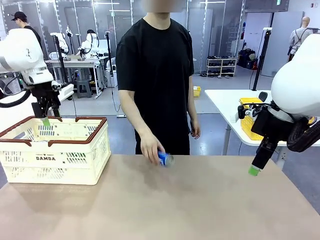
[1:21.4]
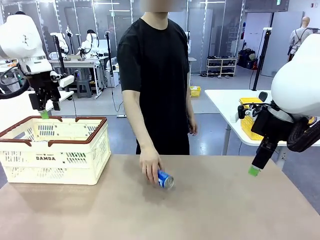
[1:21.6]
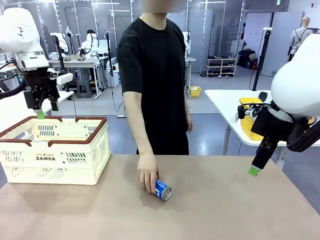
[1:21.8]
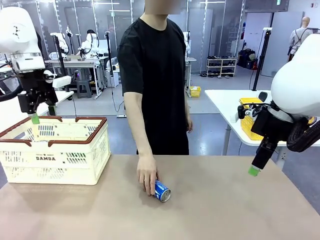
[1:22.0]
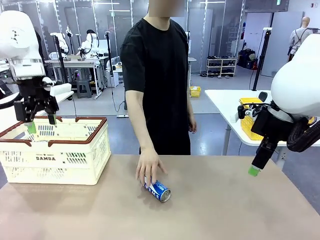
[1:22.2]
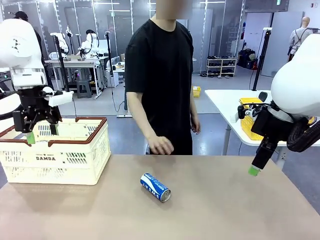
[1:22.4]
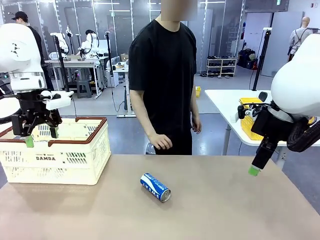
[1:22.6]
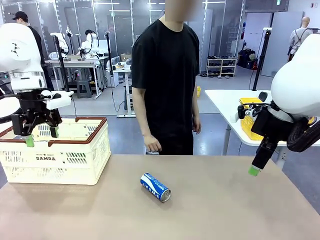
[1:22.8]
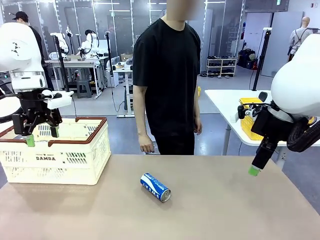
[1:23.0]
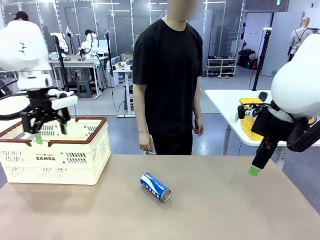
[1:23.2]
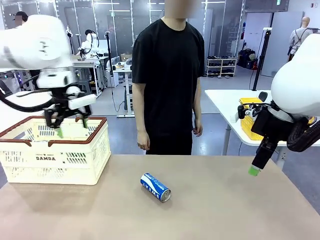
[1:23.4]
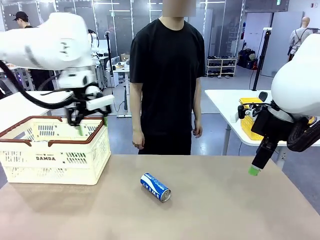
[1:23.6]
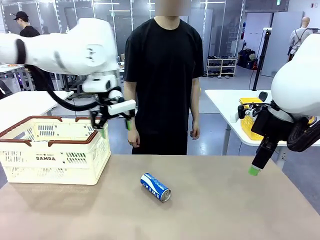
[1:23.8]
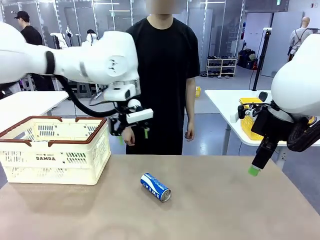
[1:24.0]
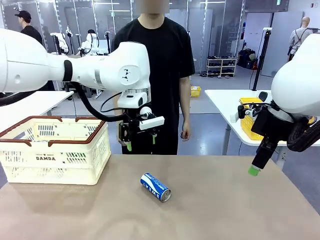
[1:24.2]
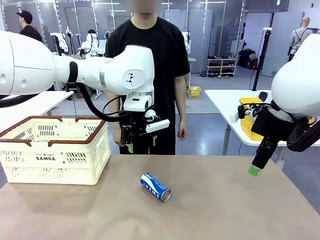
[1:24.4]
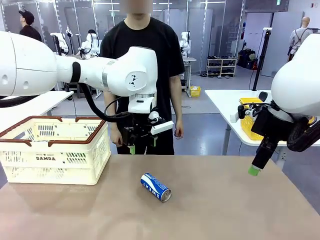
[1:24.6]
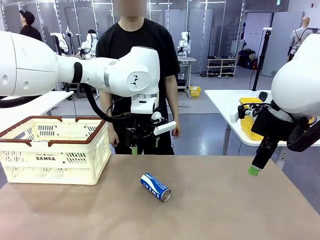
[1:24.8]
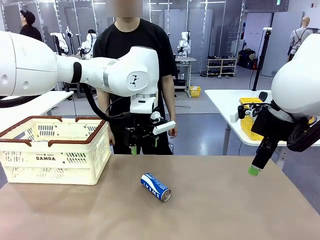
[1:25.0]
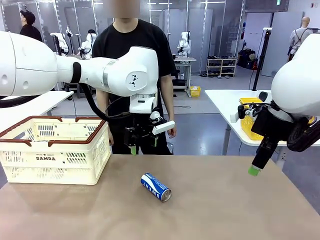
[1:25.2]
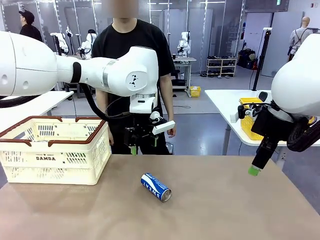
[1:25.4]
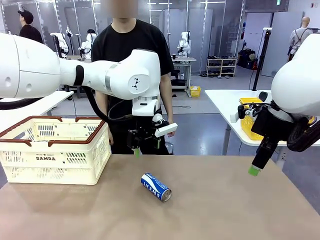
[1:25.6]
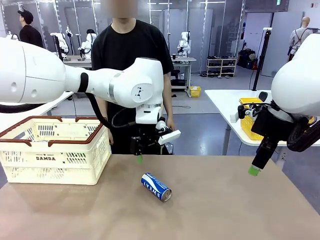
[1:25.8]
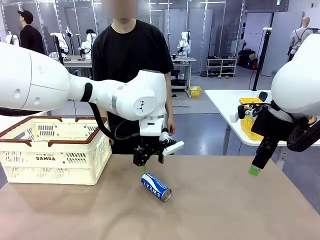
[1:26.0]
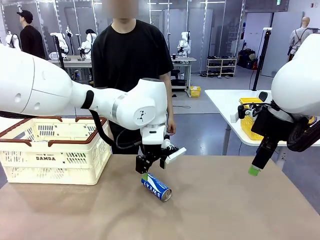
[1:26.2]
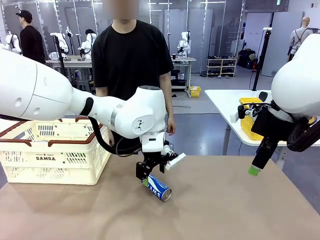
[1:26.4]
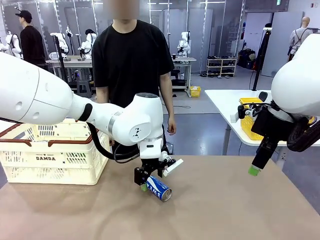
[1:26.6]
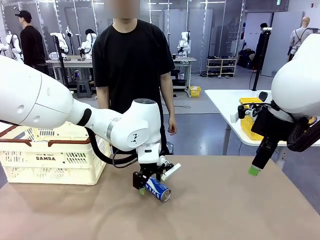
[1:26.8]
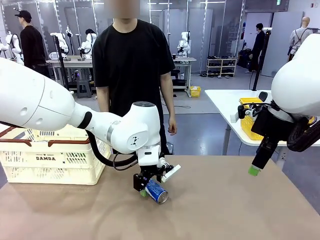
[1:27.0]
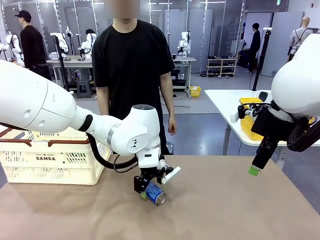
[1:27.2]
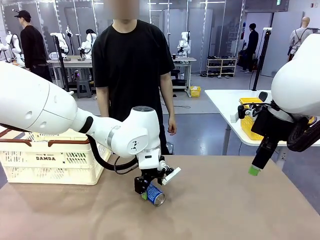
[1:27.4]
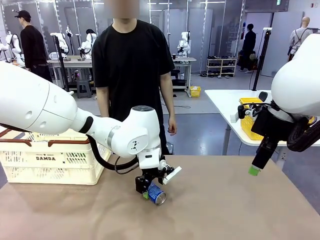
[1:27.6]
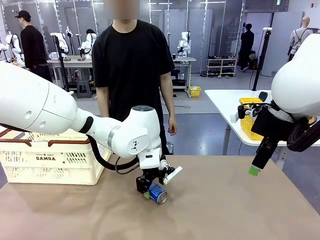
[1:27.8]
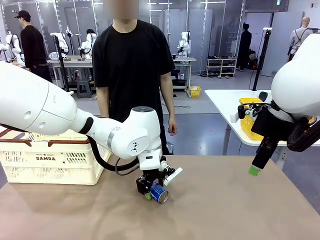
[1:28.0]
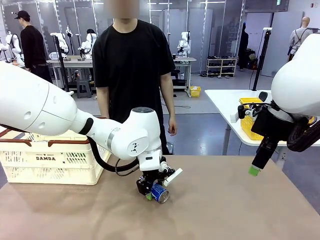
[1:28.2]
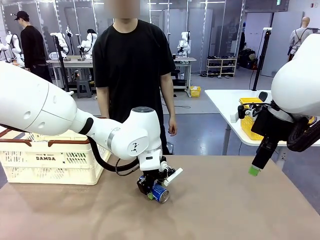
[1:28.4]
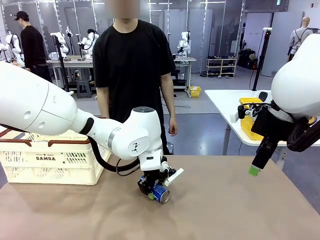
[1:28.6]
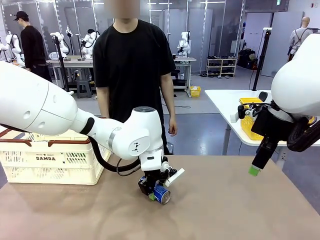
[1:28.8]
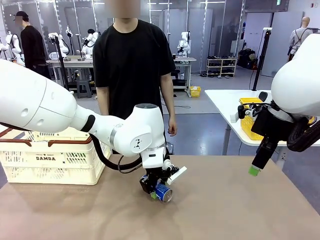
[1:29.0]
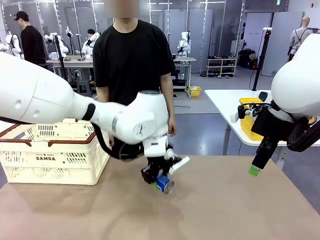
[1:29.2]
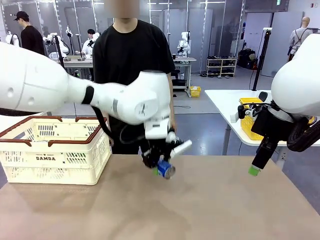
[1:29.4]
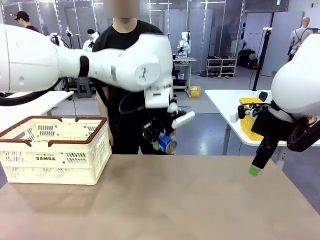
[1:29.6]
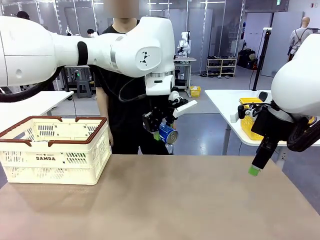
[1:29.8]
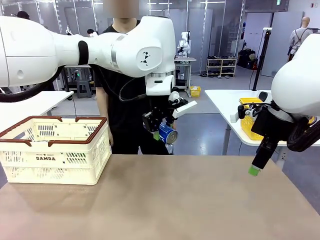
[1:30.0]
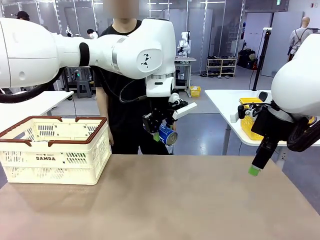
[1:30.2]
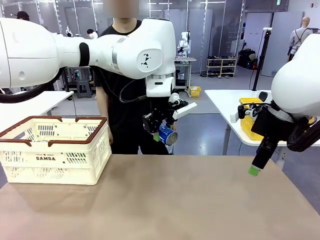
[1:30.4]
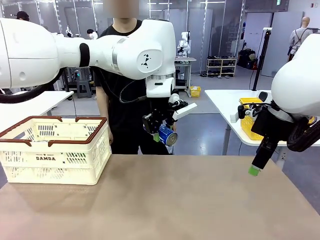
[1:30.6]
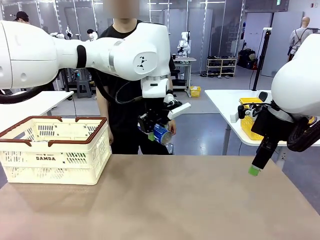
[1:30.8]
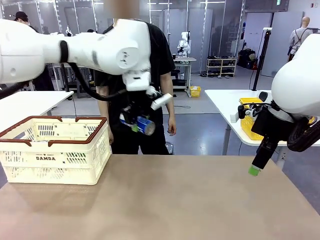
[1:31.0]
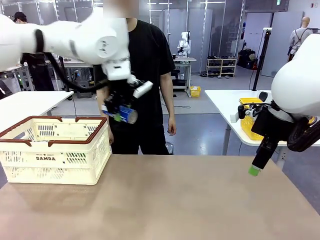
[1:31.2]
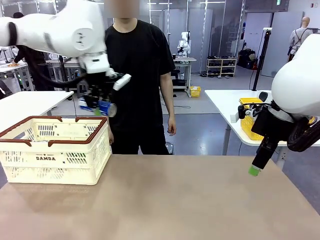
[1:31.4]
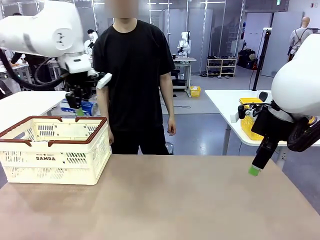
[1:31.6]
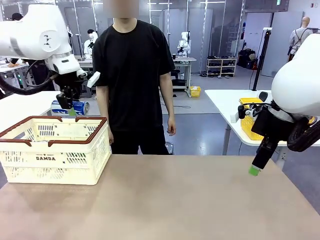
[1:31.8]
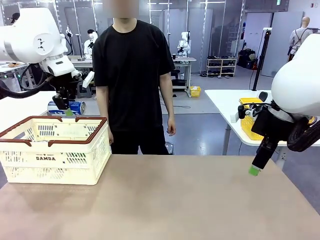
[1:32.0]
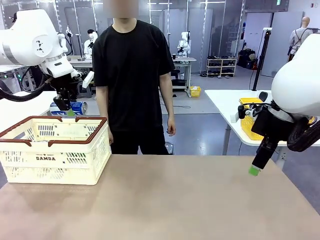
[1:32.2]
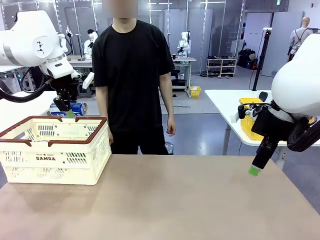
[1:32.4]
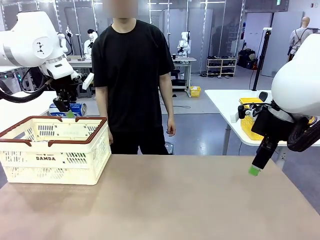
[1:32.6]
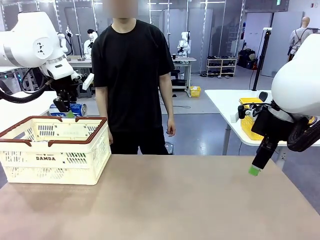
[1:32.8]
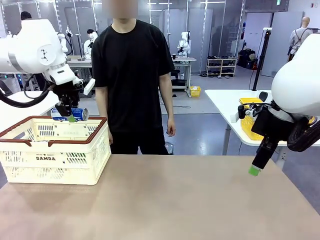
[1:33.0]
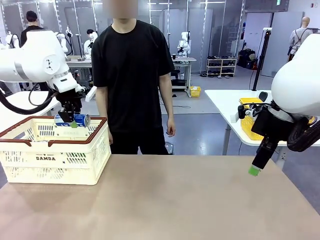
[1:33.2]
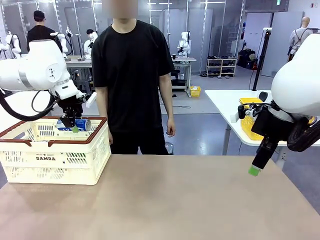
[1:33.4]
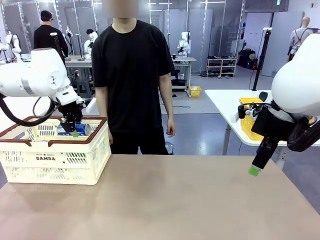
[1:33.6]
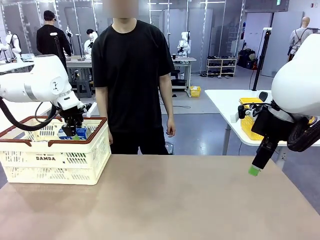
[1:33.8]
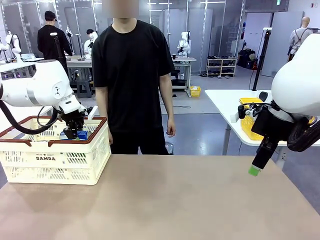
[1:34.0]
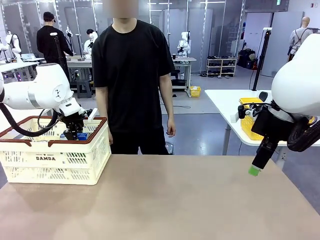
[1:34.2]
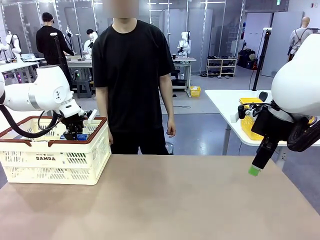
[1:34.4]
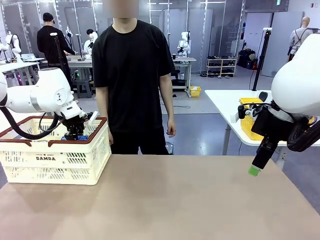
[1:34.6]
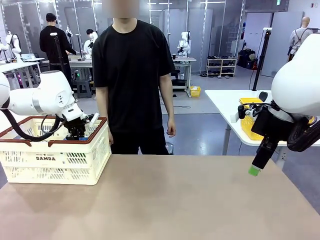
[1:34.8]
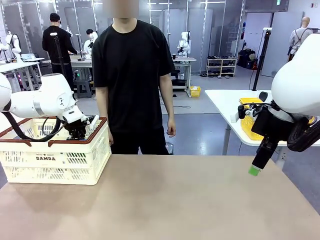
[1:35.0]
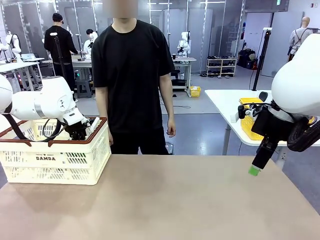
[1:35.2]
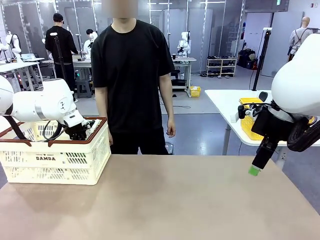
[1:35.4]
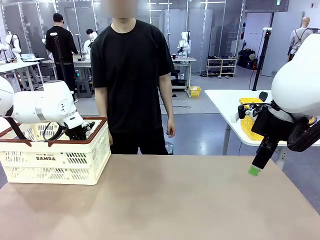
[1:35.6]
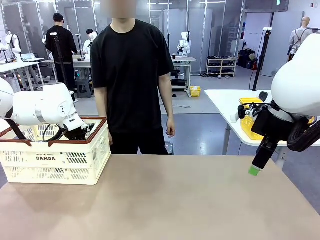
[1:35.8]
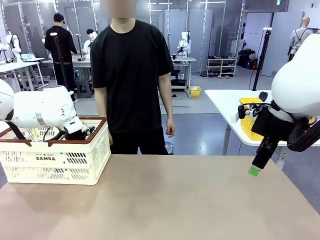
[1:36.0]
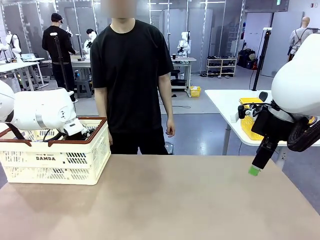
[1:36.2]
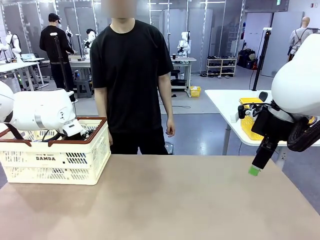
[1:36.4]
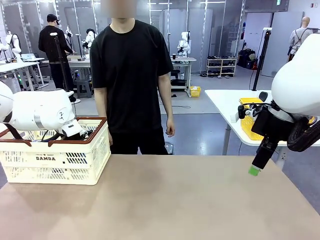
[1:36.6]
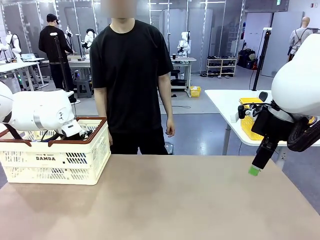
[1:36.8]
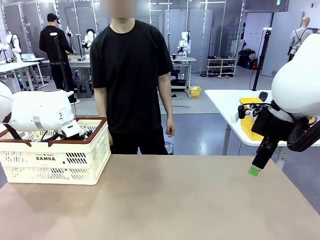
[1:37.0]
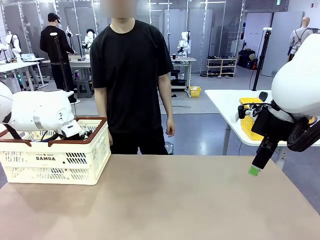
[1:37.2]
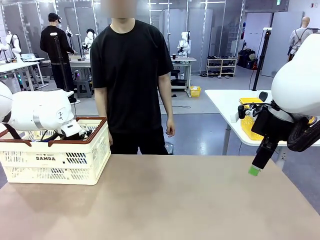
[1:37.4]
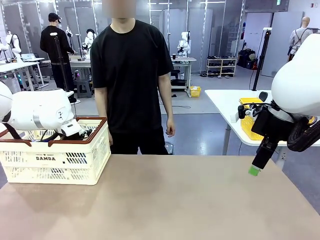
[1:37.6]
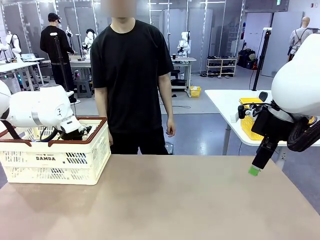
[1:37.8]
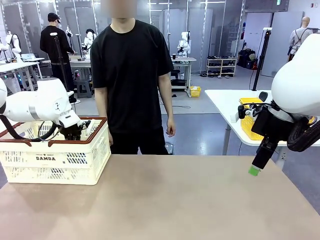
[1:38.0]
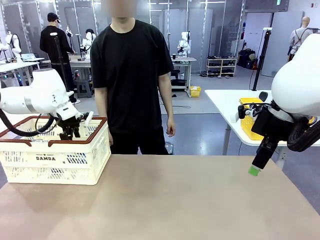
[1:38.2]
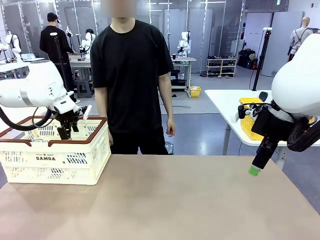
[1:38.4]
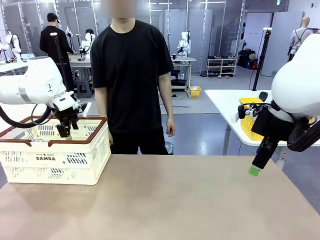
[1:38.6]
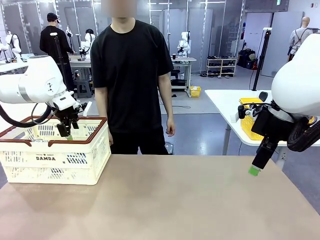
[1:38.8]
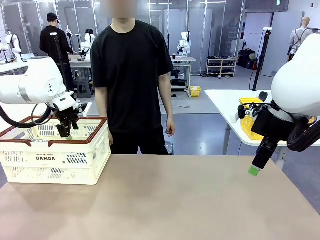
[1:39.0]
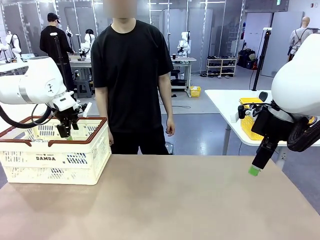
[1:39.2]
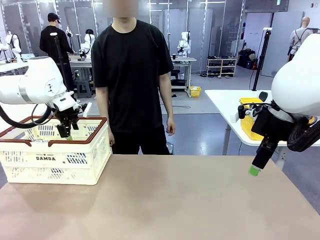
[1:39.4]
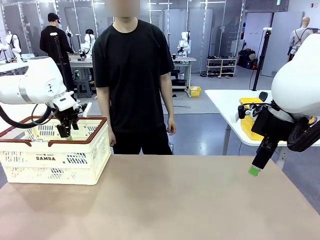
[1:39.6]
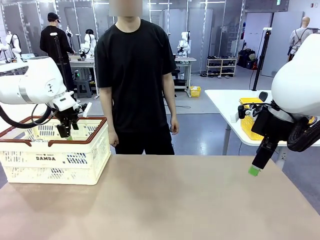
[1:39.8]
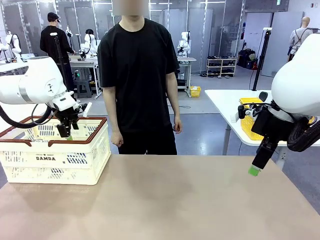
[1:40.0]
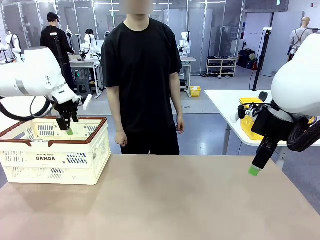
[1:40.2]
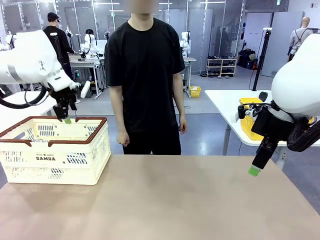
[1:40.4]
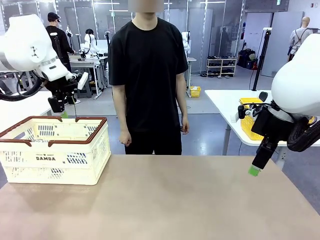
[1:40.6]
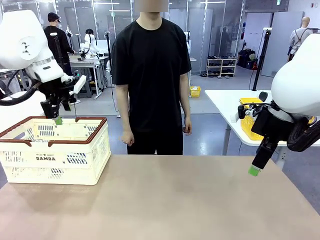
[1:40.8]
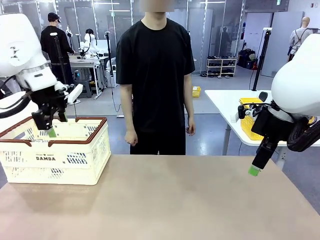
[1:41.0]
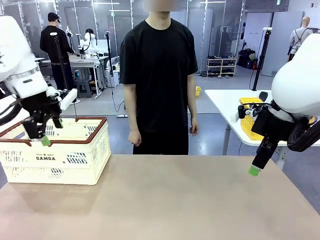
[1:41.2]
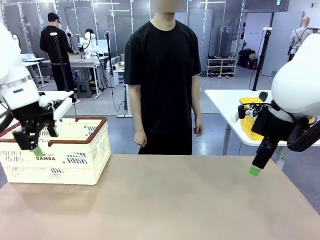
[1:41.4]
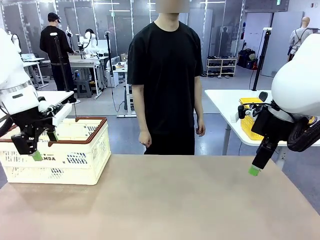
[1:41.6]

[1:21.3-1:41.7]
Task: Place the drinks into the Shopping basket.
Robot: Pick up one drink and place it into the Shopping basket.
